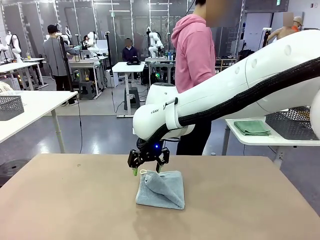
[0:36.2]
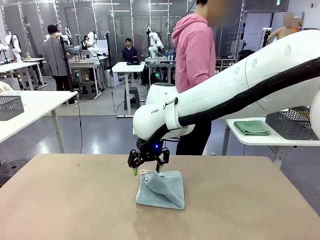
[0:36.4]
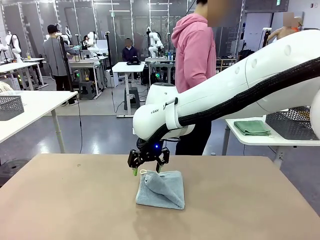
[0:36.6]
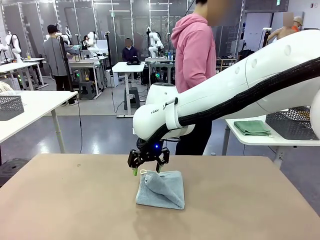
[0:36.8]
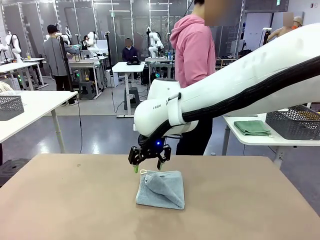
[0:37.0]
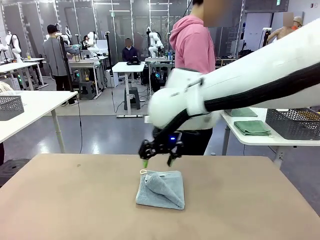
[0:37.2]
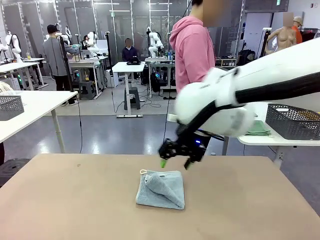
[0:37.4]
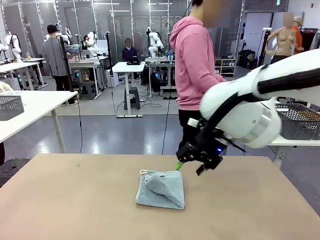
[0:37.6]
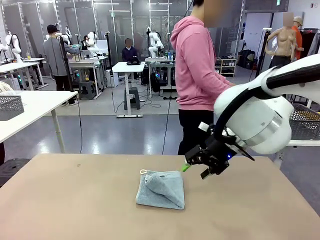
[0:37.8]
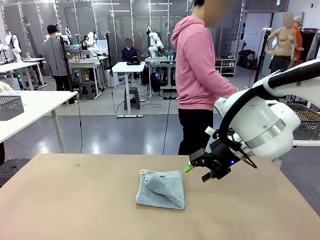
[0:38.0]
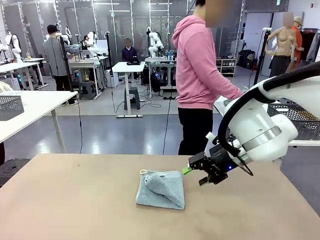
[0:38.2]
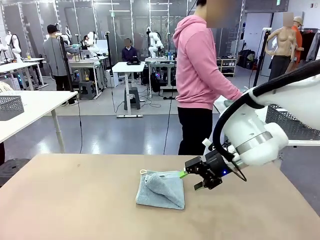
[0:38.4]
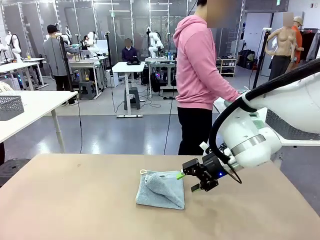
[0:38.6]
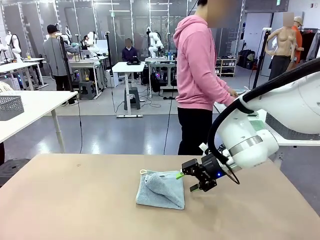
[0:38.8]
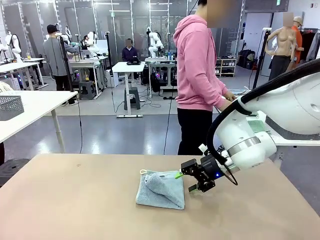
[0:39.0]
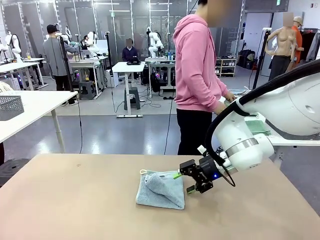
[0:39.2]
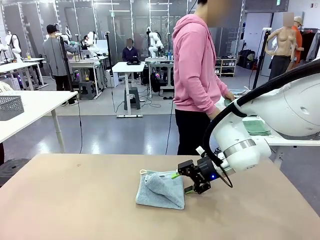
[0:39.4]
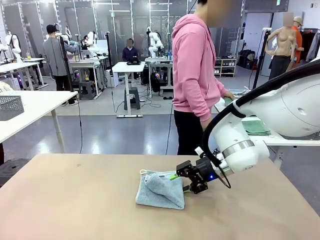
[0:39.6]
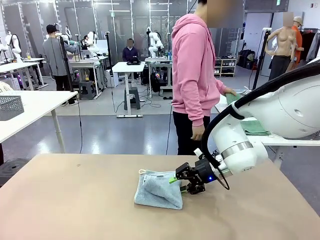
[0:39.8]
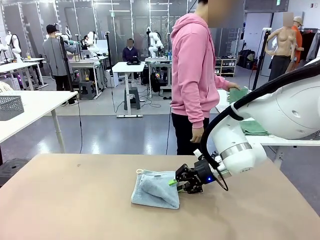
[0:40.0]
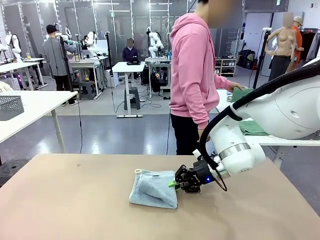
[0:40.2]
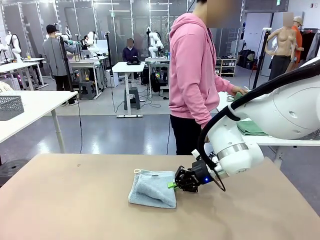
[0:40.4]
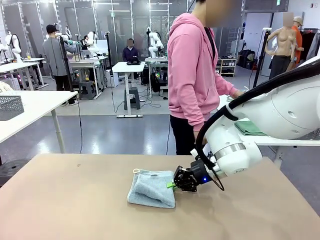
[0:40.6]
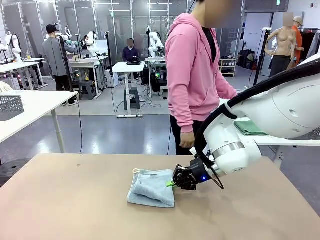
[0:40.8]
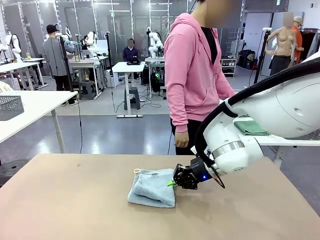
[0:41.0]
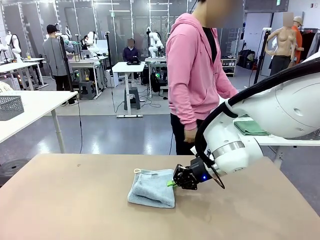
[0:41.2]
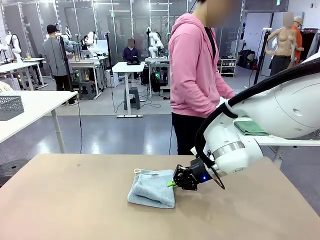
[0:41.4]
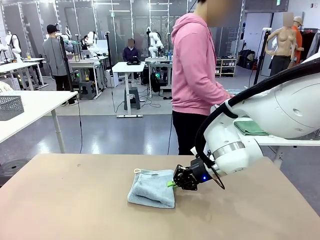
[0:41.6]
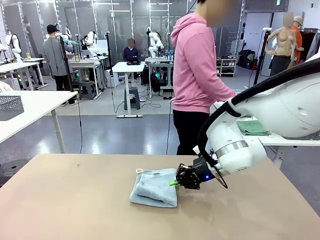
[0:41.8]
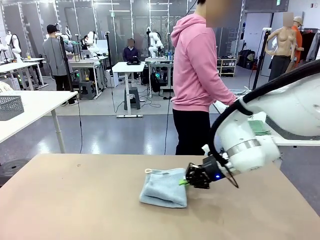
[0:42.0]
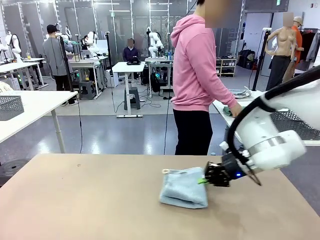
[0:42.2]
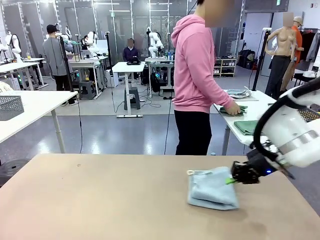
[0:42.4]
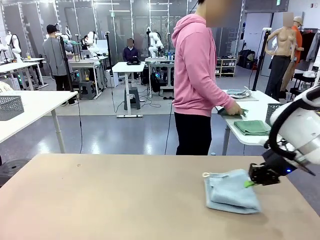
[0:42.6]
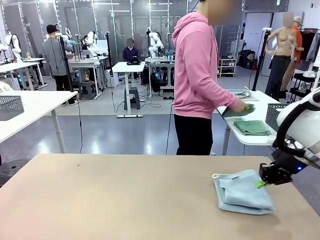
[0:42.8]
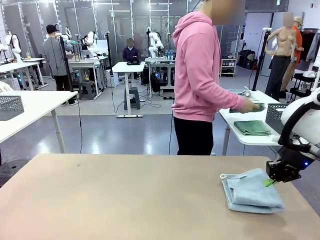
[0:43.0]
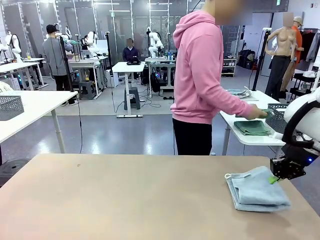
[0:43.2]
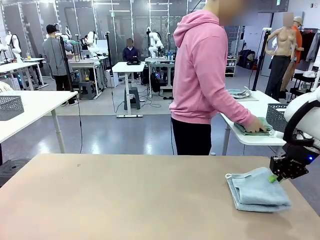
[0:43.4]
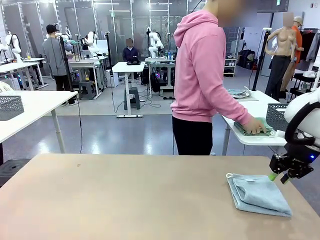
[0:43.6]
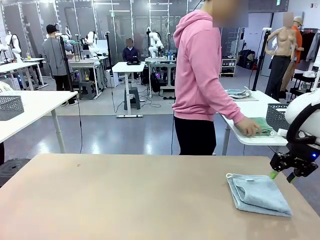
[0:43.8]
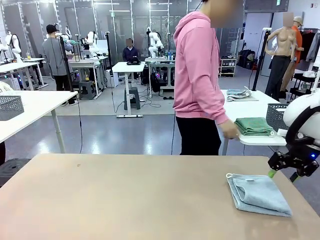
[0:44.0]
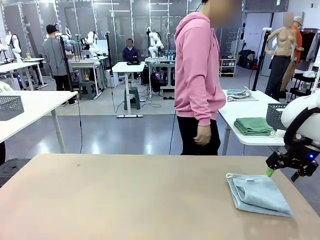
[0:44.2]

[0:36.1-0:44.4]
Task: Fold the towels and place them in the basket.
Robot: Place the folded Towel with hook on the right side of the table.
Person: Pick up one towel from the left side of the human table, fold it in half twice, and stack it on the right side of the table.

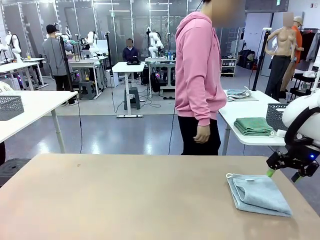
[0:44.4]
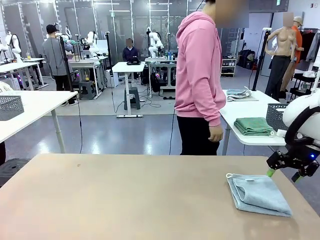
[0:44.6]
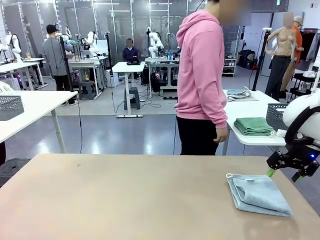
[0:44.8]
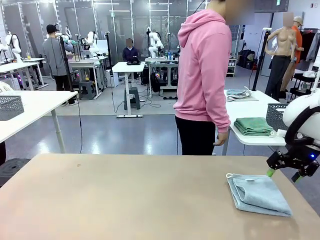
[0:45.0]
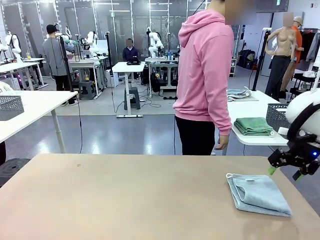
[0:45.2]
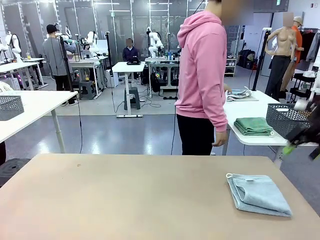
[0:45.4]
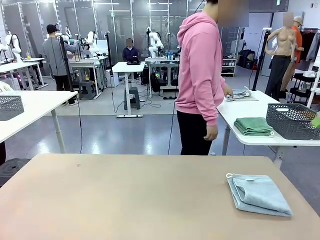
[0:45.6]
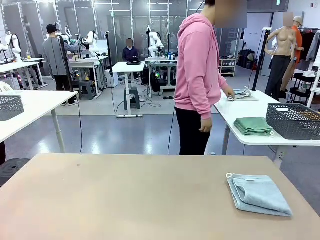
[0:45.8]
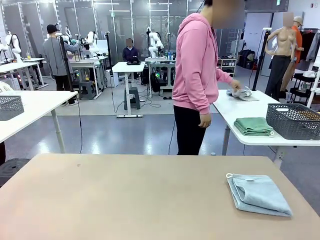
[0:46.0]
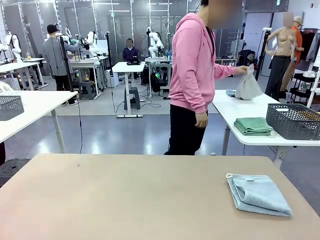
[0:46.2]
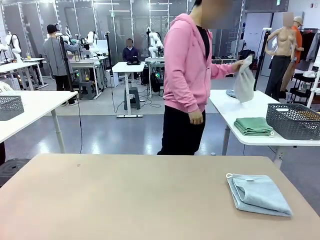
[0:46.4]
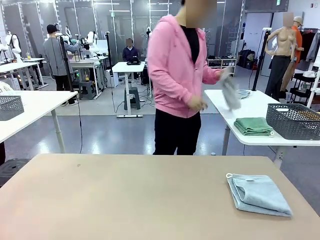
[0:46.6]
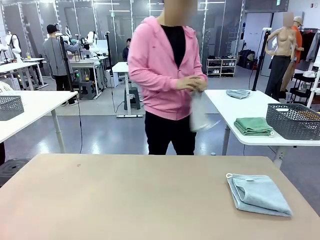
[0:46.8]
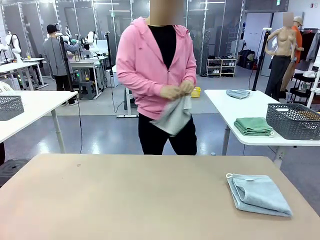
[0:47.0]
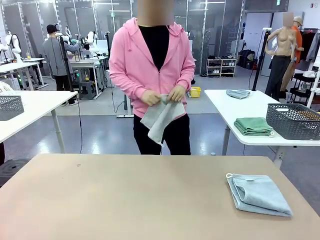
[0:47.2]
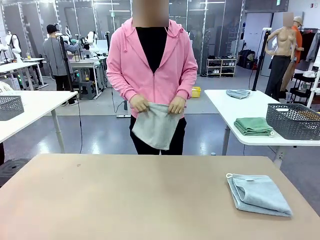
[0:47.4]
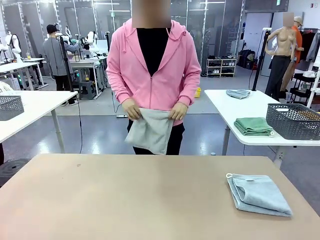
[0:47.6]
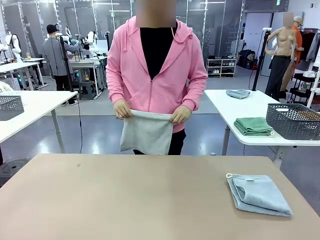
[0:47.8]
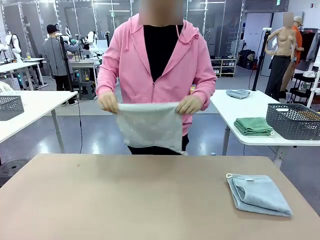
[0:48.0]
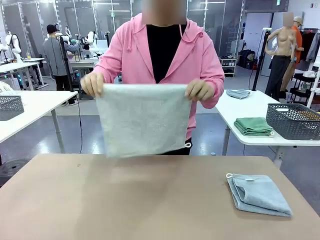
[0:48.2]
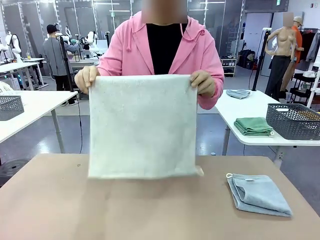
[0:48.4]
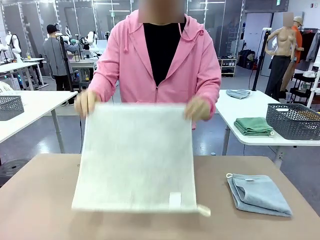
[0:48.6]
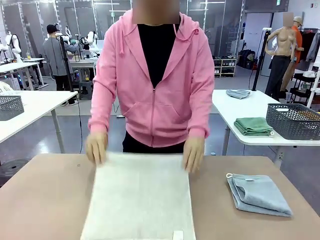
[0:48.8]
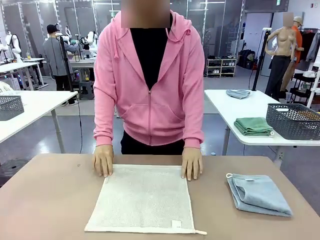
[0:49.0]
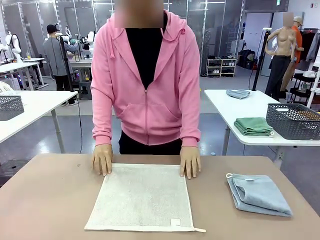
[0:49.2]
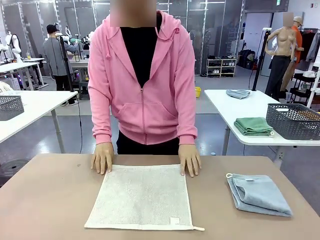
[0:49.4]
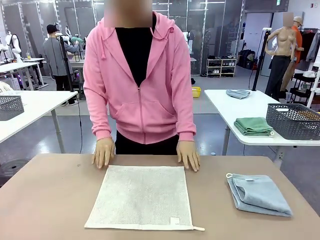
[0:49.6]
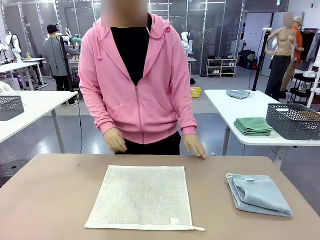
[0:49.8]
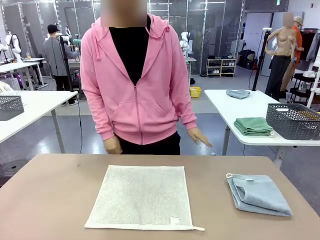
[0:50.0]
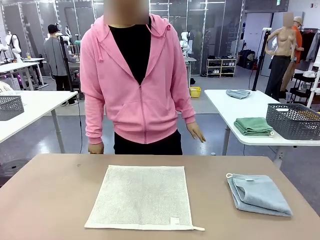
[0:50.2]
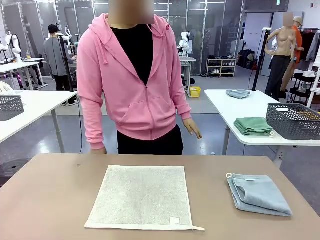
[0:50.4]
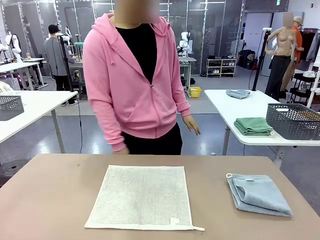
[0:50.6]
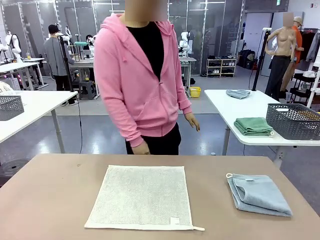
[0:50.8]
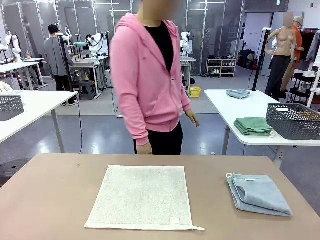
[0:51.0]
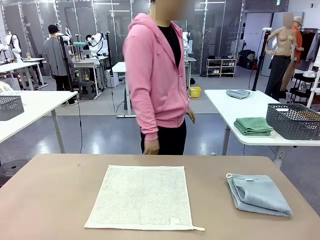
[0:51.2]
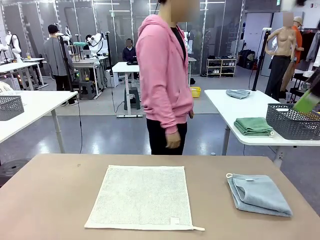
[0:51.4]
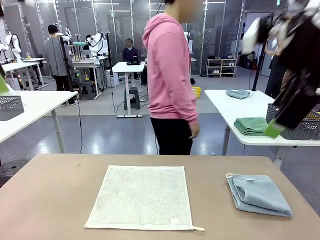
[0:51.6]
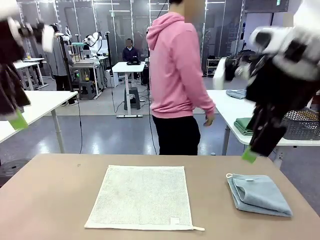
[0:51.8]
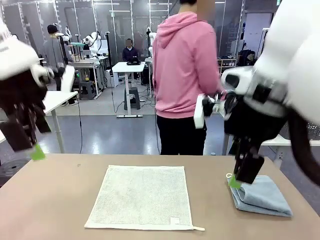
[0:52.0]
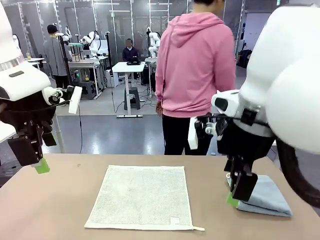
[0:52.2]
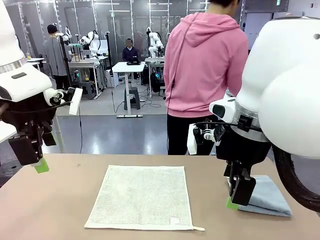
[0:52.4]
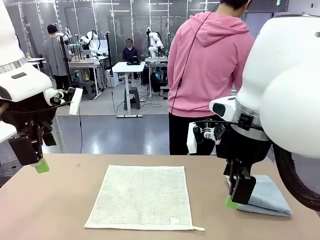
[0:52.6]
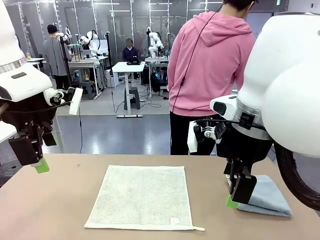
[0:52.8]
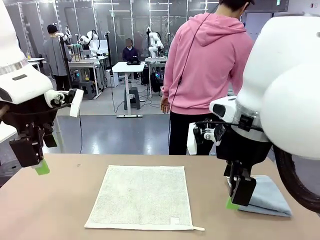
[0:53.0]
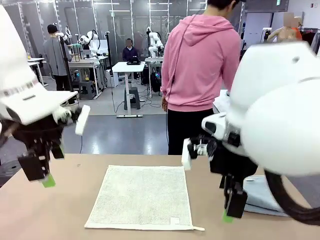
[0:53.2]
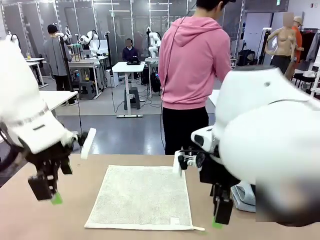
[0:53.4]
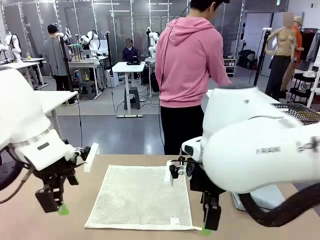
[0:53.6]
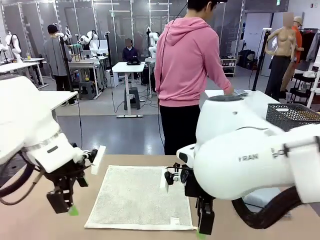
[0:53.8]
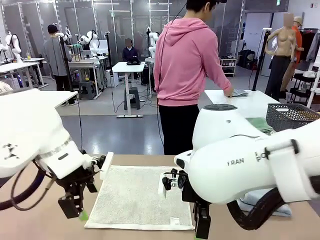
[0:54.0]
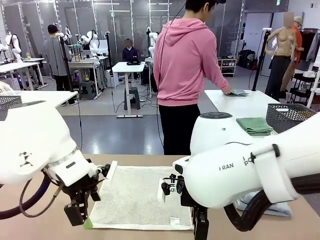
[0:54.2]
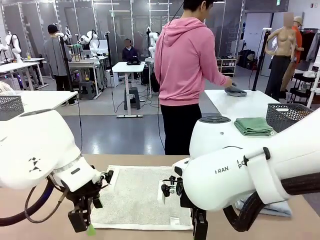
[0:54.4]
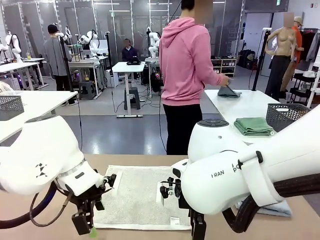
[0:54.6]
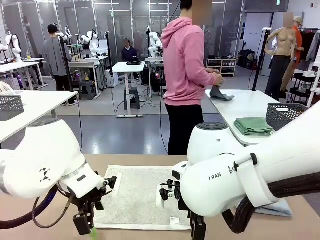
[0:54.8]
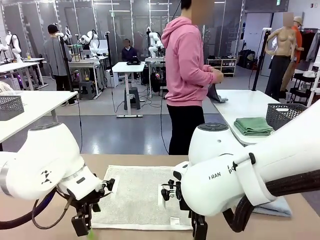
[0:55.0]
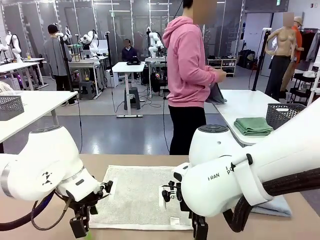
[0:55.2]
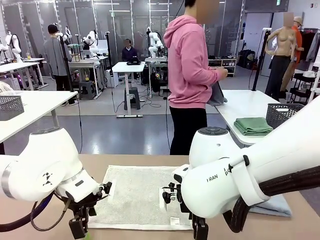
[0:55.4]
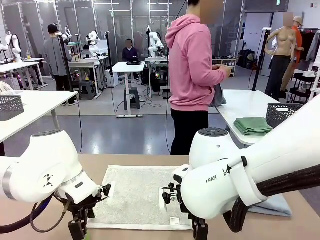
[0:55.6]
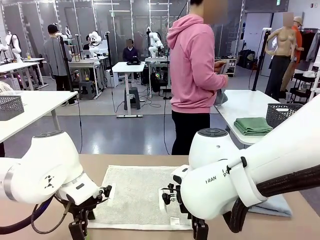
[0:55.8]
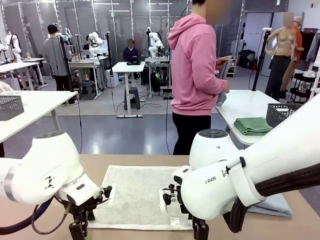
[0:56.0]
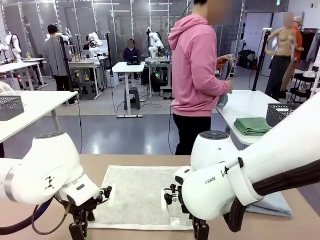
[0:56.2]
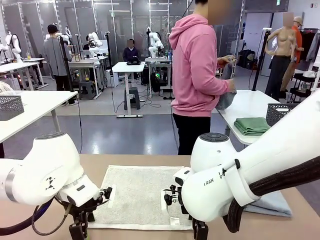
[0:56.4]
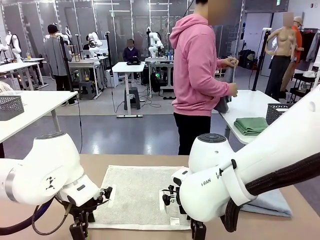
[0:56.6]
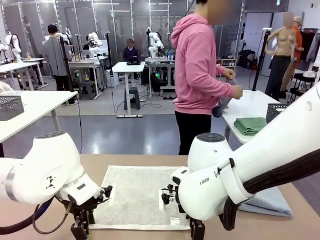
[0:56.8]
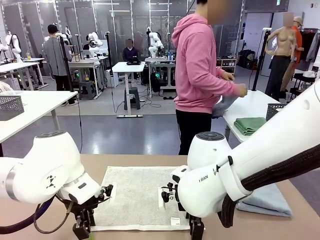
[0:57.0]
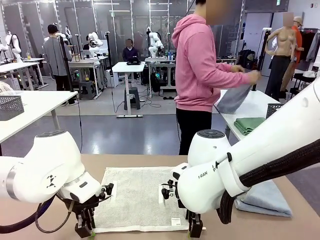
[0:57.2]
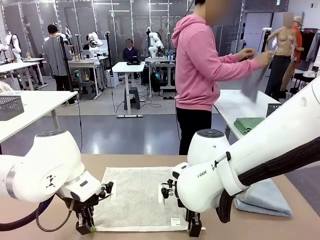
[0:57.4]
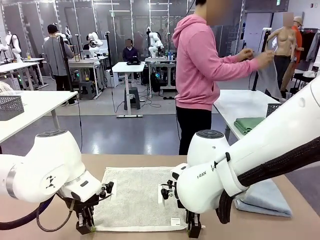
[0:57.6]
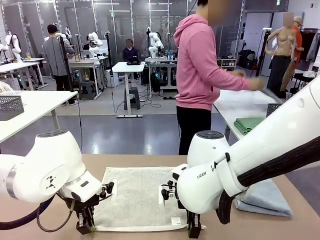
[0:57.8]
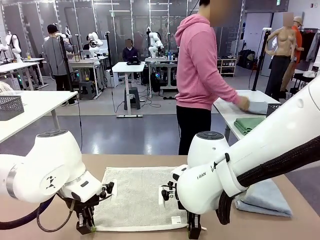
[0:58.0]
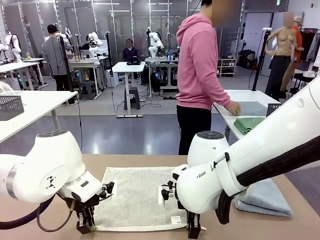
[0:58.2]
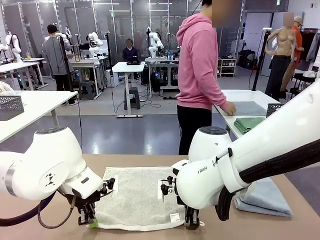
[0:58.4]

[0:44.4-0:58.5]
Robot: When a person lays out a Towel with hook on the table, fold it in half twice.
Person: Pick up one towel from the left side of the human table and spread it out at the center of the robot table. Pick up one towel from the left side of the human table, fold it in half twice, and stack it on the right side of the table.
